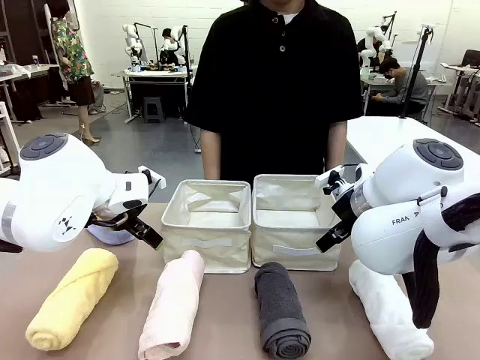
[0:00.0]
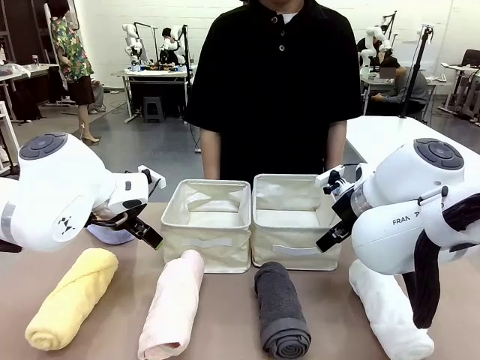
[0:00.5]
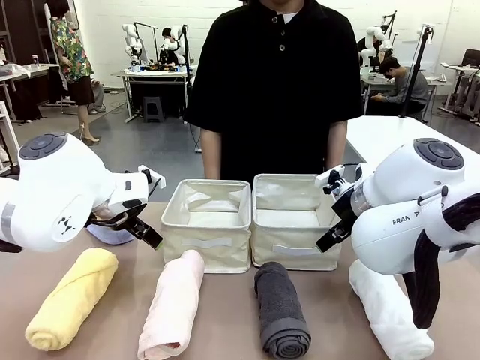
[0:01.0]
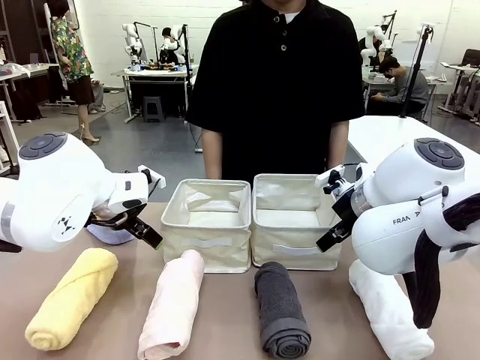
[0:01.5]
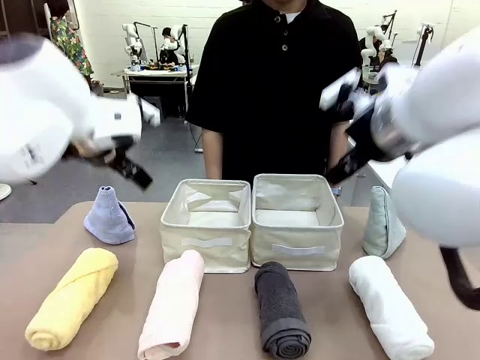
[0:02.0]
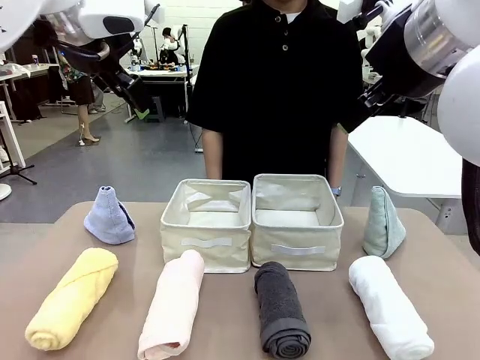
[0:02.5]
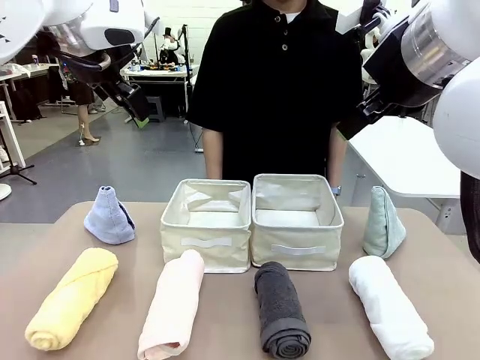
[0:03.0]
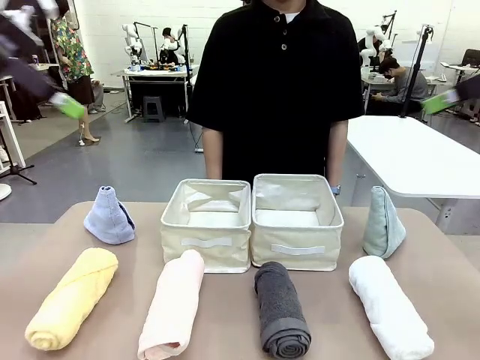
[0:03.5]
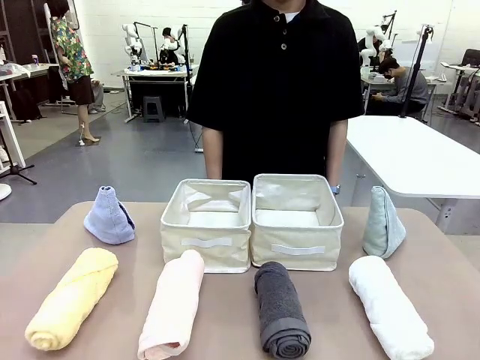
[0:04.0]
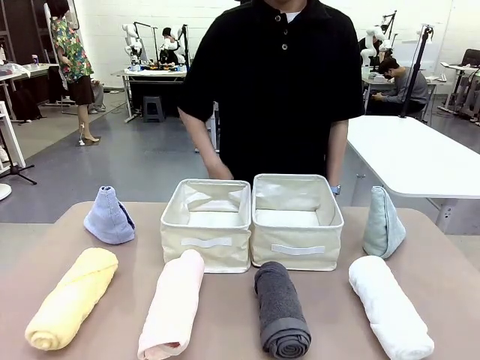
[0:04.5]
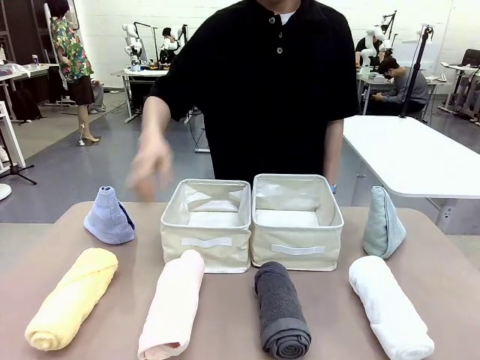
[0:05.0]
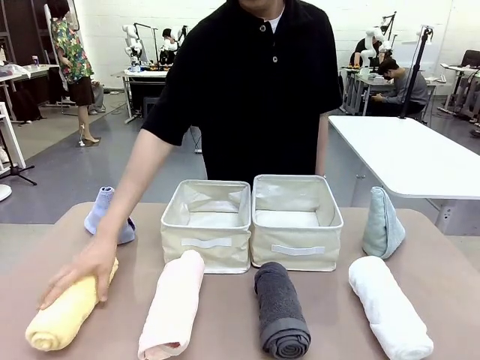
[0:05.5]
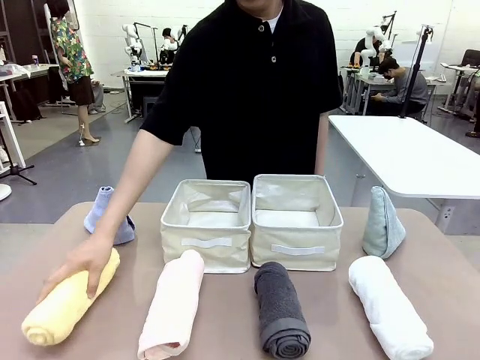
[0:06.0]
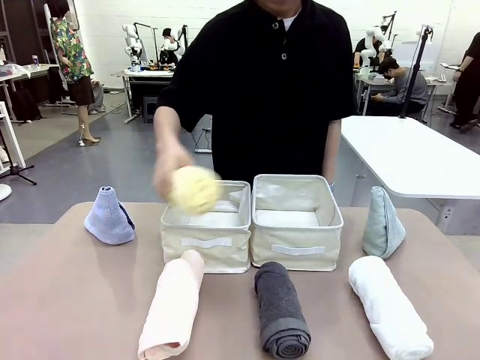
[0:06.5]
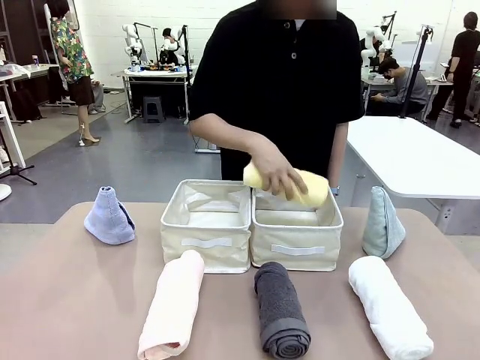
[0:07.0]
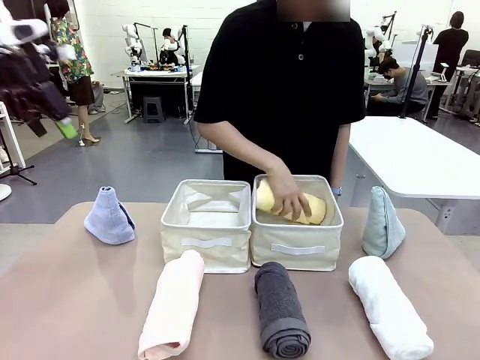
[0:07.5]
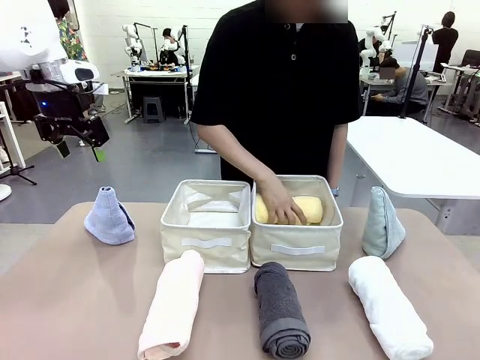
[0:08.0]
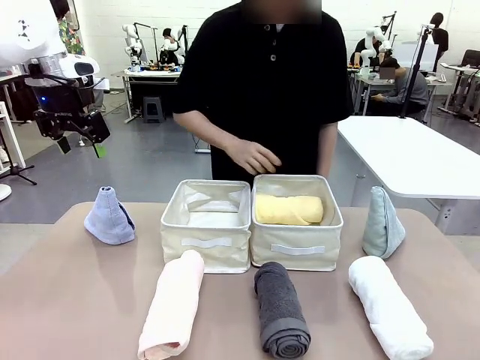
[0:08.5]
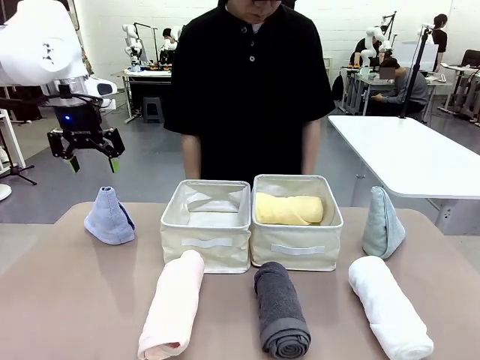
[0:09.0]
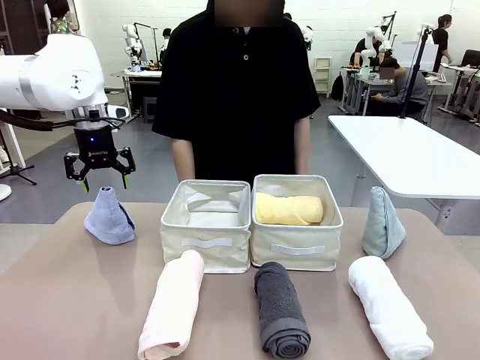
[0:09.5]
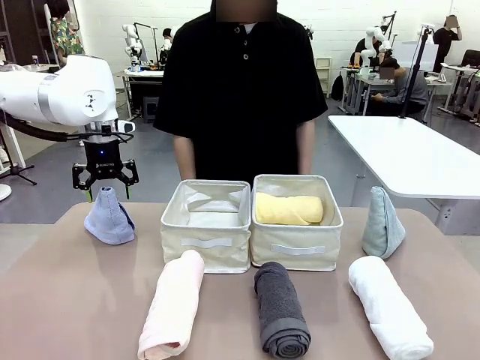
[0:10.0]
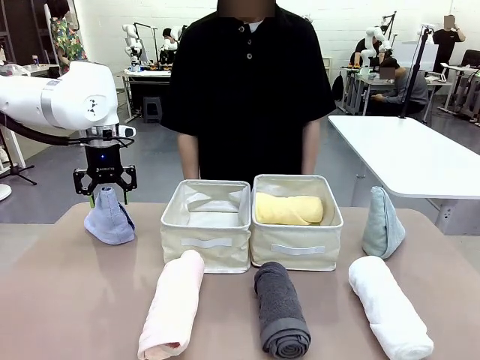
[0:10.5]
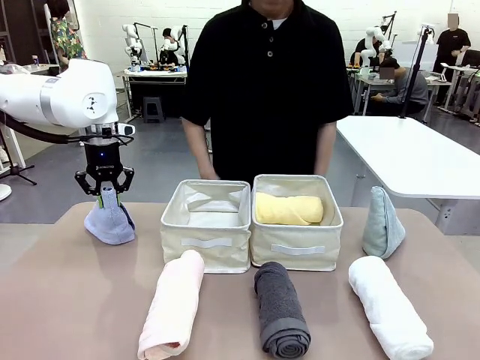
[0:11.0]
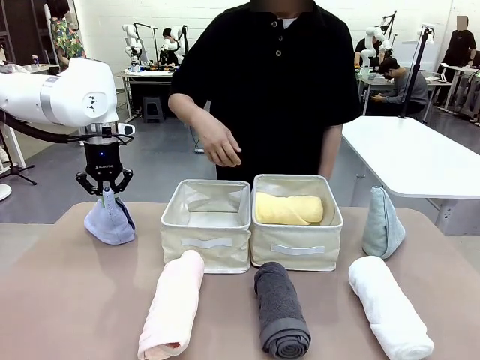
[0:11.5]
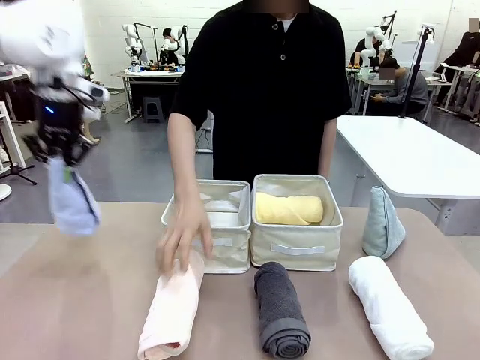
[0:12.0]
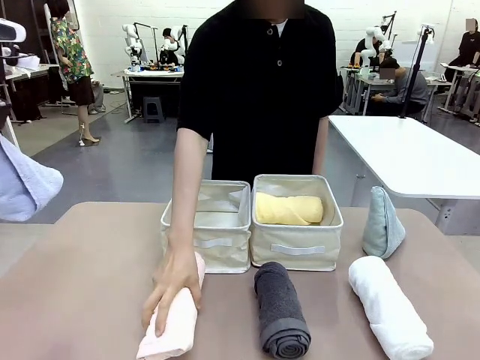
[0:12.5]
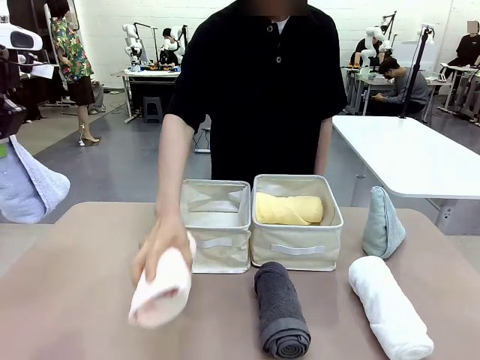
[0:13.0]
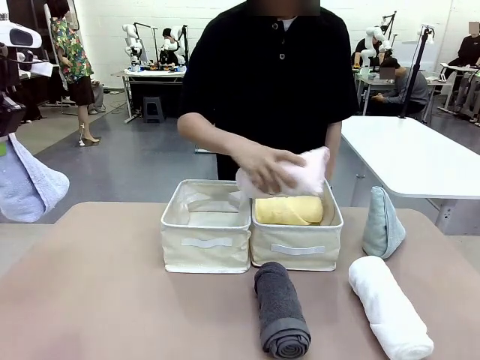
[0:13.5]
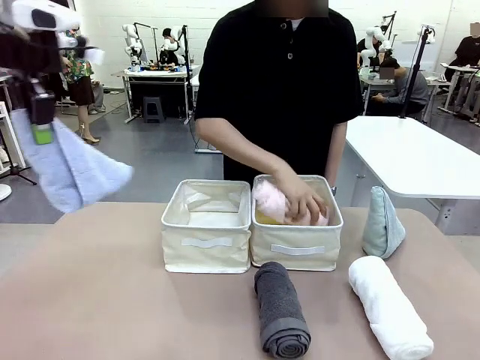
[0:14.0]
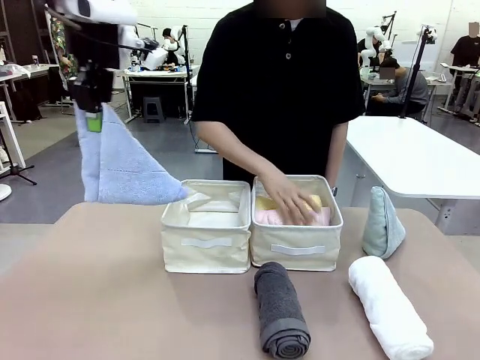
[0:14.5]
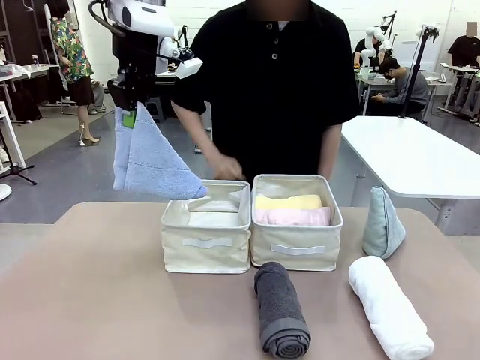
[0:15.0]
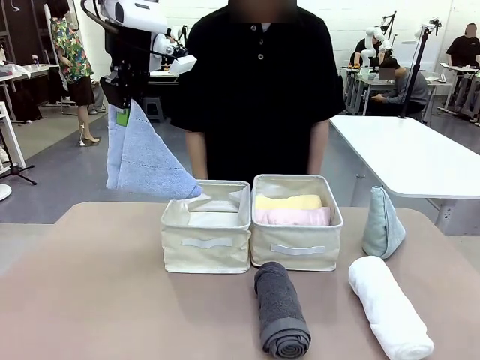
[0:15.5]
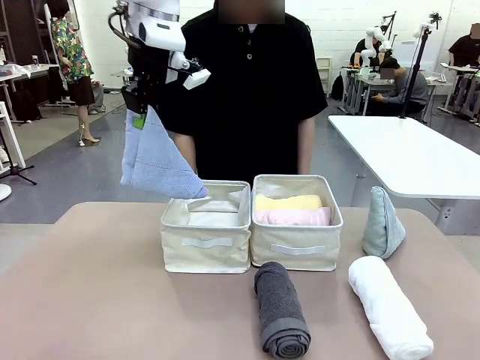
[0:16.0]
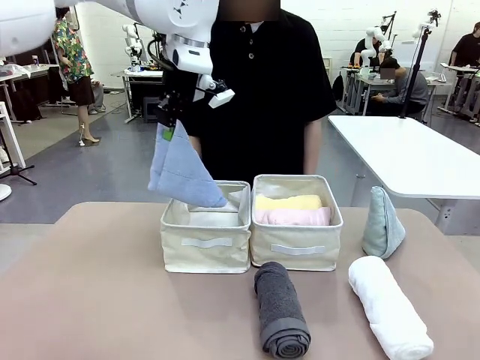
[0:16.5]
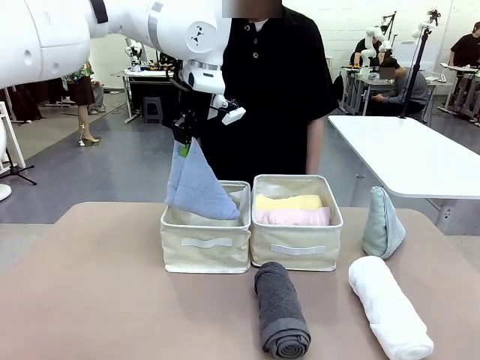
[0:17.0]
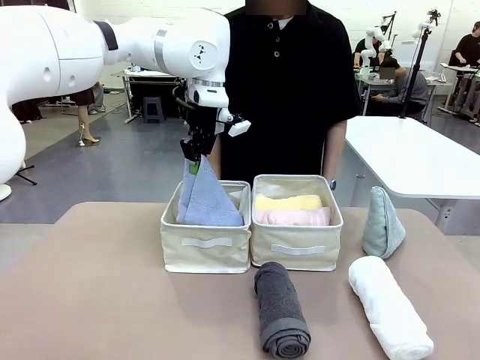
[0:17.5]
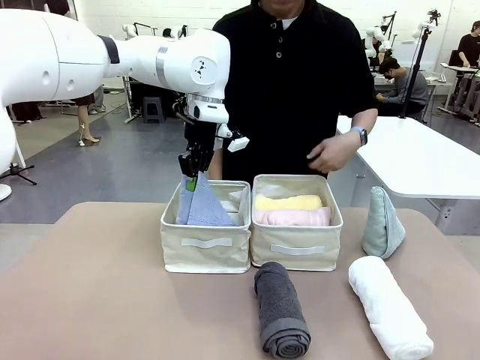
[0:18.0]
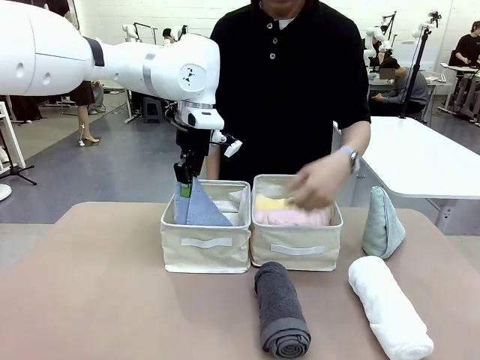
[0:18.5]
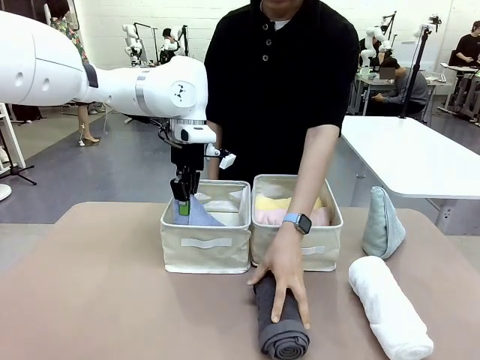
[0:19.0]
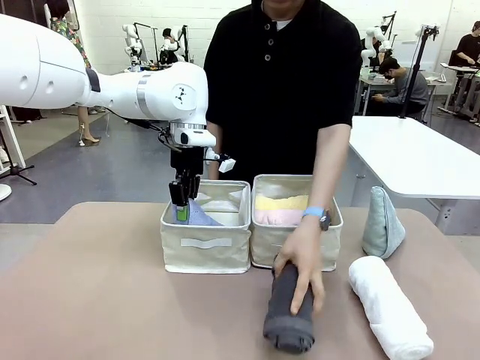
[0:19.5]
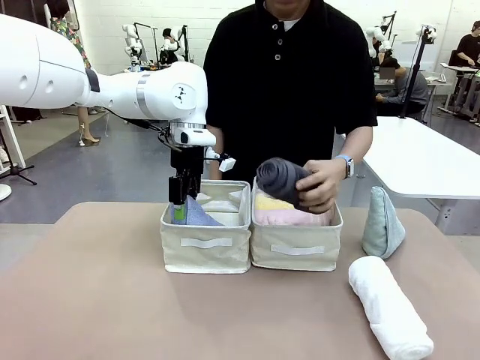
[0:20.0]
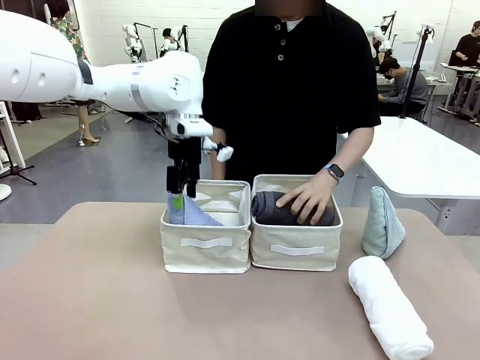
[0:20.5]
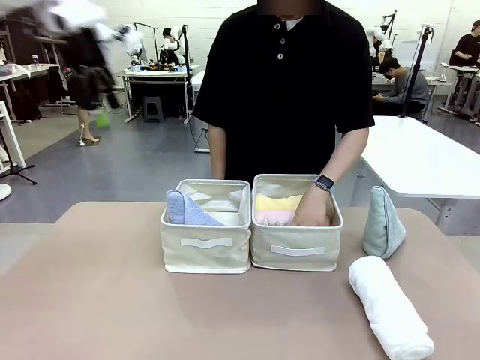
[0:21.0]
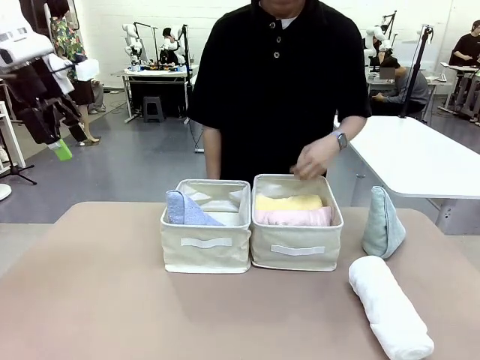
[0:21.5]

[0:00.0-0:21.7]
Task: Sort the towels based on their folding style.
Robot: Pick up one triangle-folded towel and place it in the left Fabric basket.
Person: Pick up one hotel-style rolled towel and place it in the left fabric basket.
